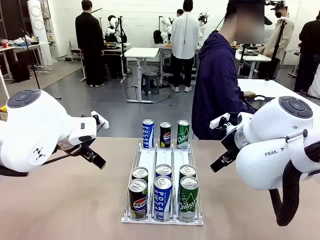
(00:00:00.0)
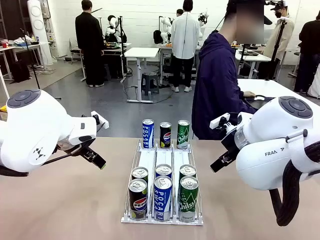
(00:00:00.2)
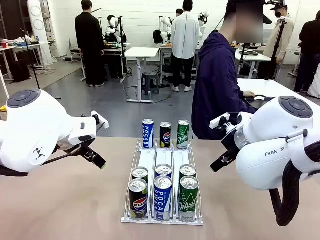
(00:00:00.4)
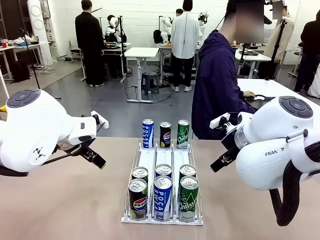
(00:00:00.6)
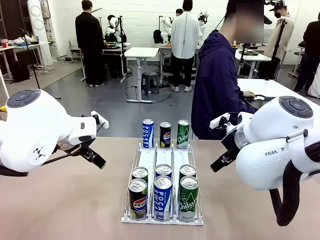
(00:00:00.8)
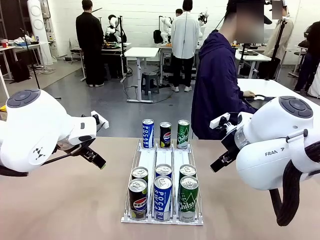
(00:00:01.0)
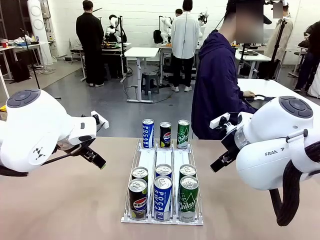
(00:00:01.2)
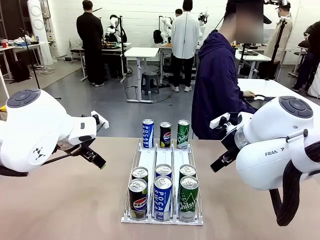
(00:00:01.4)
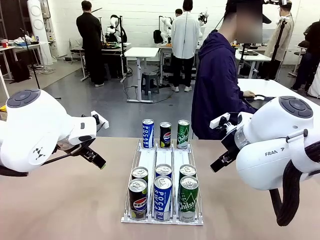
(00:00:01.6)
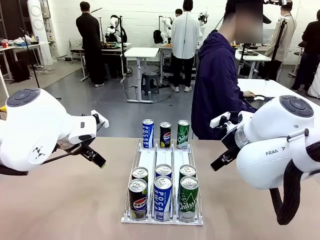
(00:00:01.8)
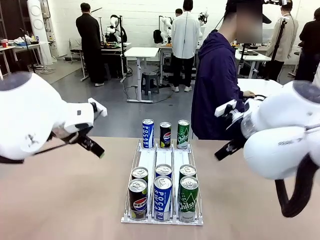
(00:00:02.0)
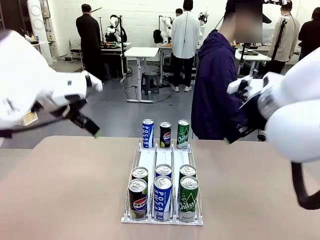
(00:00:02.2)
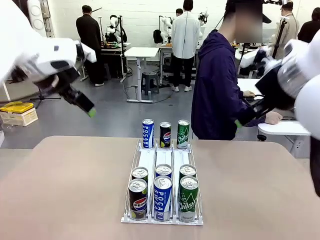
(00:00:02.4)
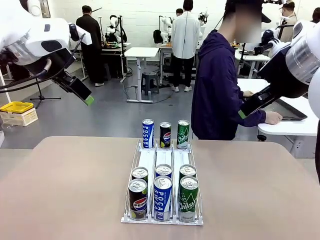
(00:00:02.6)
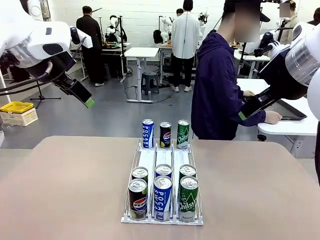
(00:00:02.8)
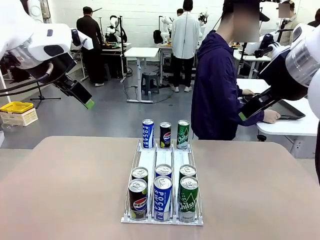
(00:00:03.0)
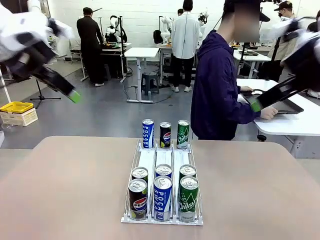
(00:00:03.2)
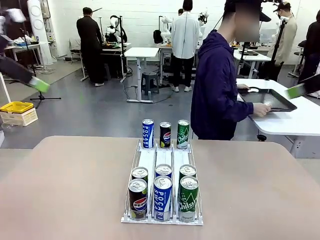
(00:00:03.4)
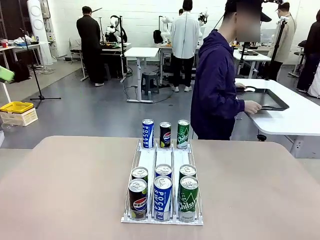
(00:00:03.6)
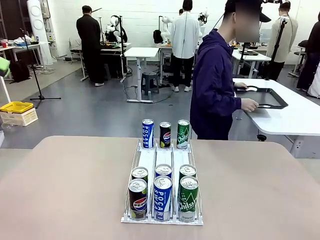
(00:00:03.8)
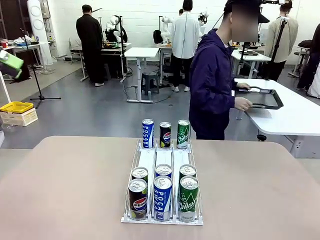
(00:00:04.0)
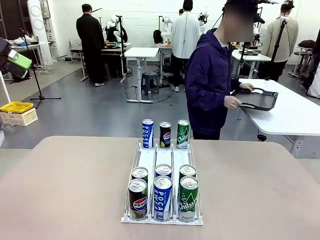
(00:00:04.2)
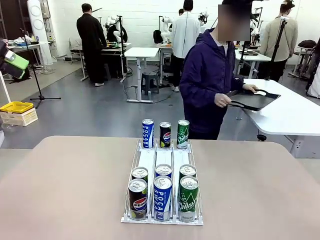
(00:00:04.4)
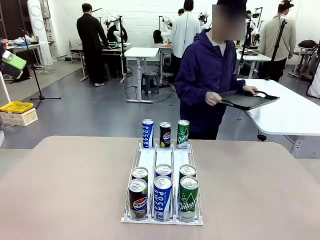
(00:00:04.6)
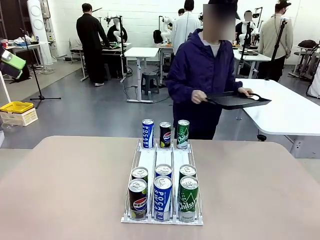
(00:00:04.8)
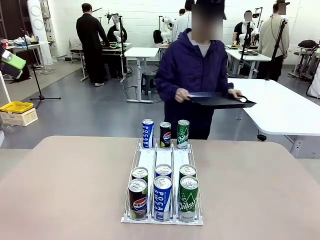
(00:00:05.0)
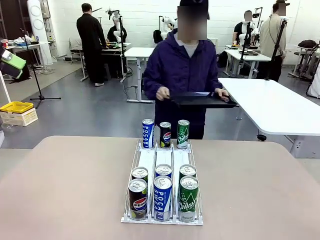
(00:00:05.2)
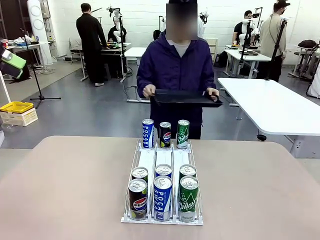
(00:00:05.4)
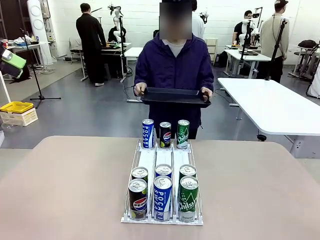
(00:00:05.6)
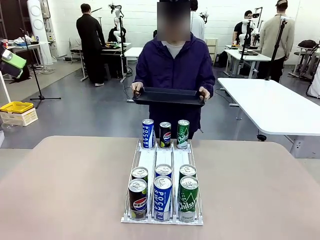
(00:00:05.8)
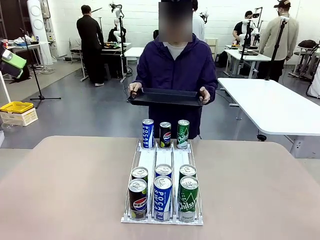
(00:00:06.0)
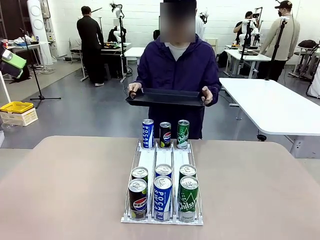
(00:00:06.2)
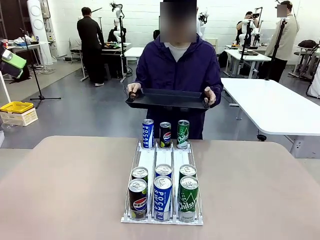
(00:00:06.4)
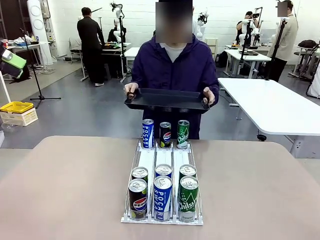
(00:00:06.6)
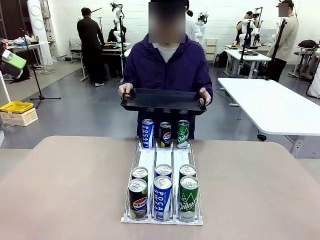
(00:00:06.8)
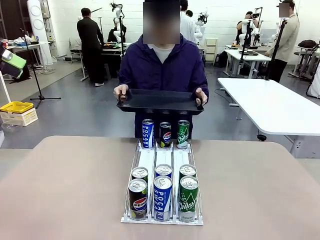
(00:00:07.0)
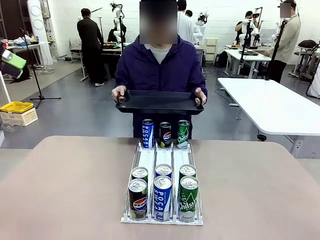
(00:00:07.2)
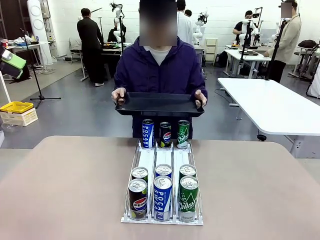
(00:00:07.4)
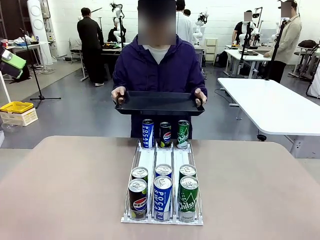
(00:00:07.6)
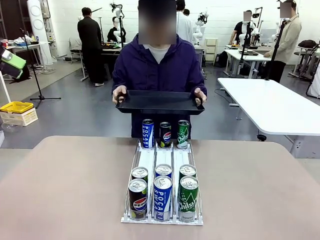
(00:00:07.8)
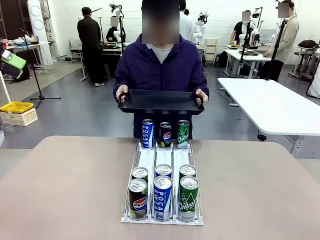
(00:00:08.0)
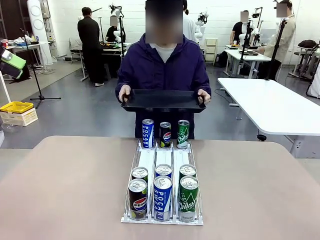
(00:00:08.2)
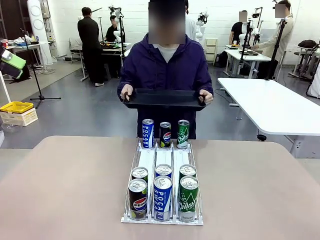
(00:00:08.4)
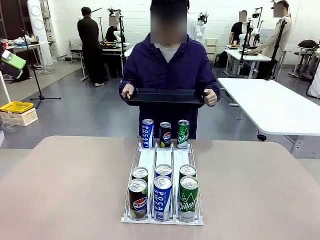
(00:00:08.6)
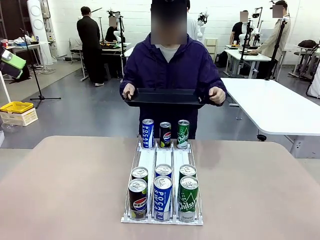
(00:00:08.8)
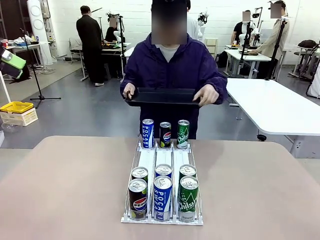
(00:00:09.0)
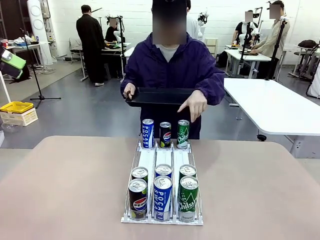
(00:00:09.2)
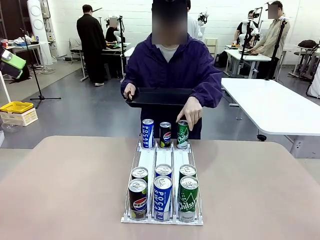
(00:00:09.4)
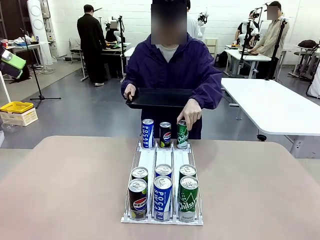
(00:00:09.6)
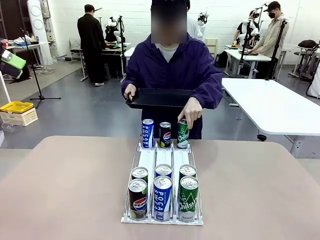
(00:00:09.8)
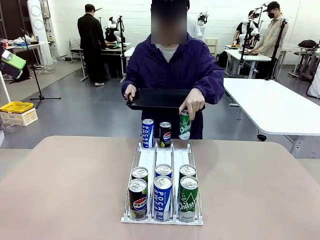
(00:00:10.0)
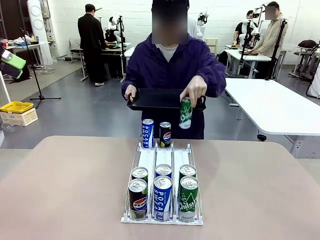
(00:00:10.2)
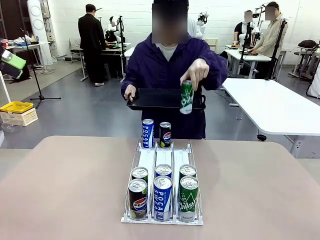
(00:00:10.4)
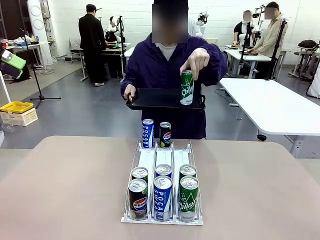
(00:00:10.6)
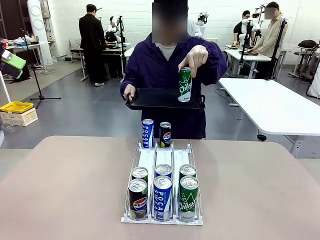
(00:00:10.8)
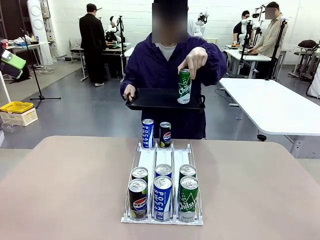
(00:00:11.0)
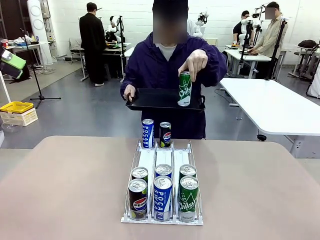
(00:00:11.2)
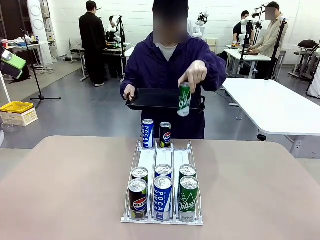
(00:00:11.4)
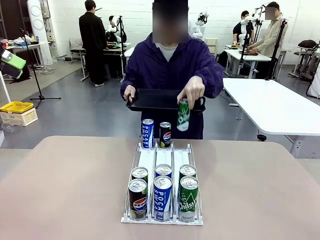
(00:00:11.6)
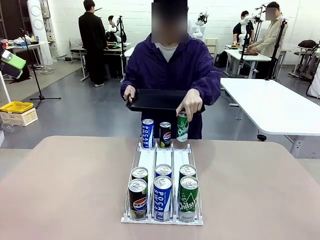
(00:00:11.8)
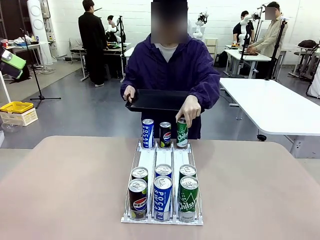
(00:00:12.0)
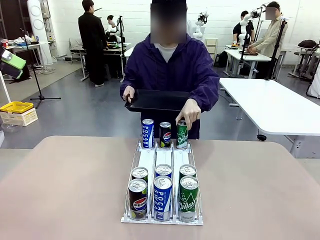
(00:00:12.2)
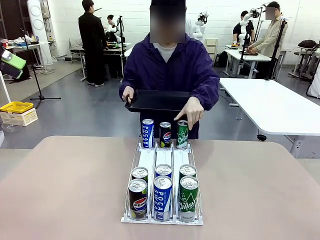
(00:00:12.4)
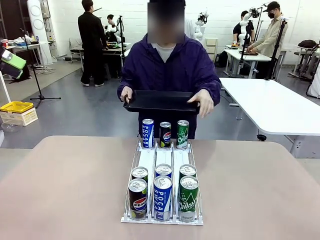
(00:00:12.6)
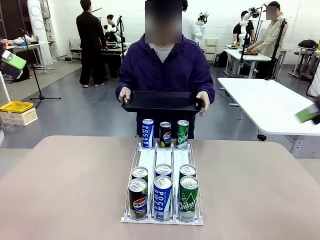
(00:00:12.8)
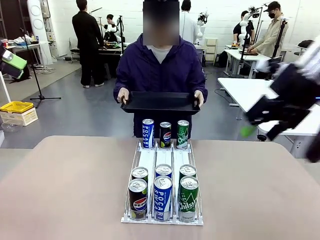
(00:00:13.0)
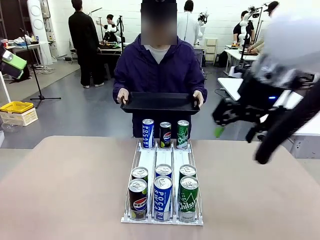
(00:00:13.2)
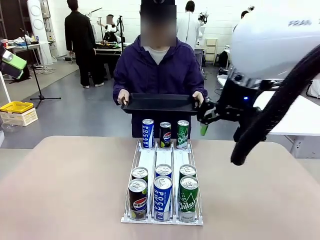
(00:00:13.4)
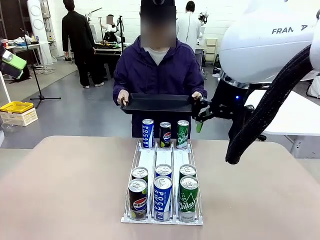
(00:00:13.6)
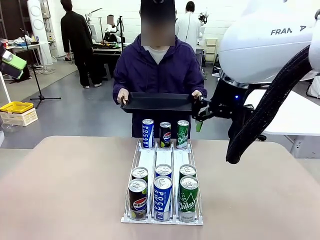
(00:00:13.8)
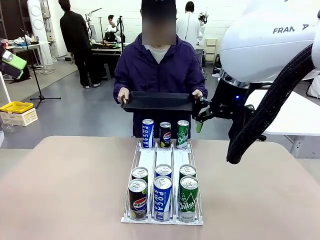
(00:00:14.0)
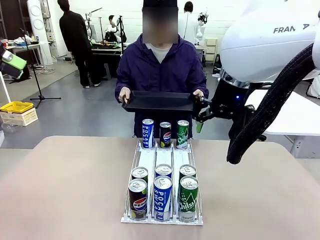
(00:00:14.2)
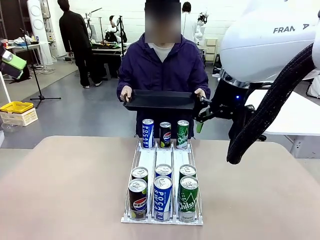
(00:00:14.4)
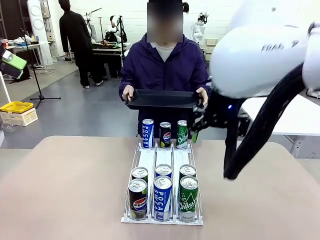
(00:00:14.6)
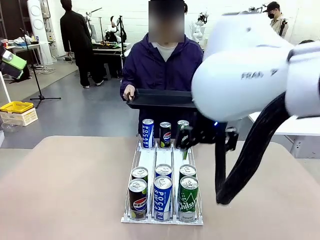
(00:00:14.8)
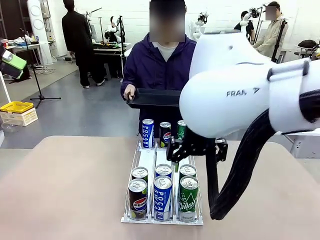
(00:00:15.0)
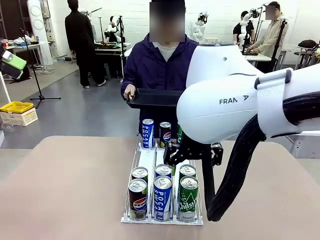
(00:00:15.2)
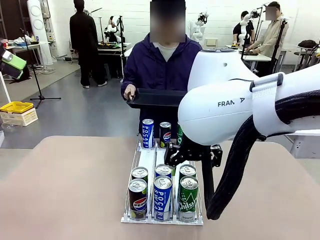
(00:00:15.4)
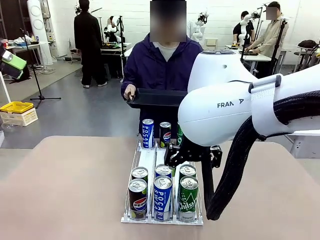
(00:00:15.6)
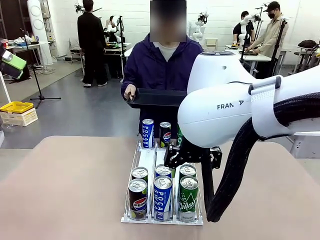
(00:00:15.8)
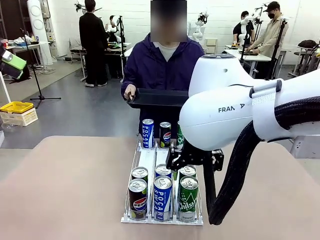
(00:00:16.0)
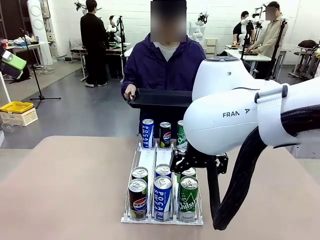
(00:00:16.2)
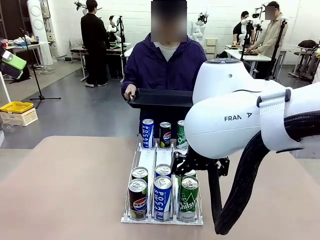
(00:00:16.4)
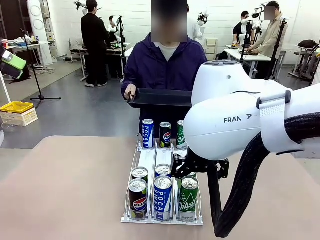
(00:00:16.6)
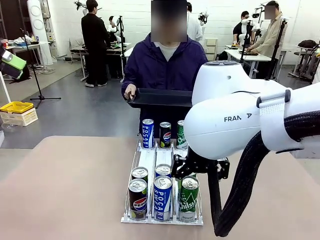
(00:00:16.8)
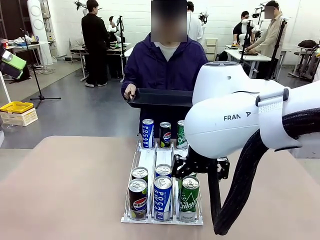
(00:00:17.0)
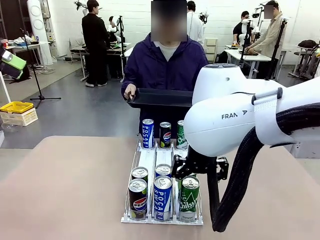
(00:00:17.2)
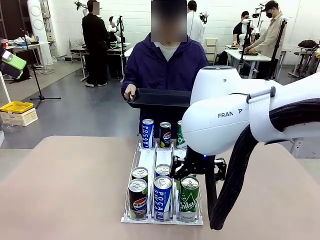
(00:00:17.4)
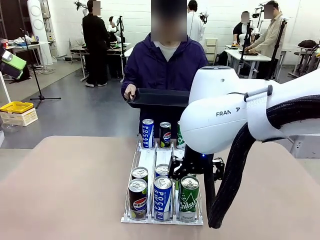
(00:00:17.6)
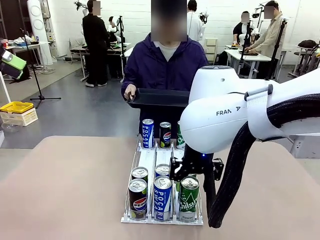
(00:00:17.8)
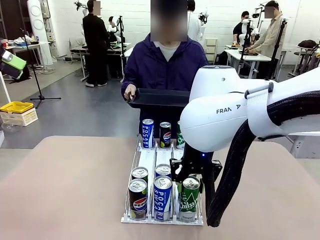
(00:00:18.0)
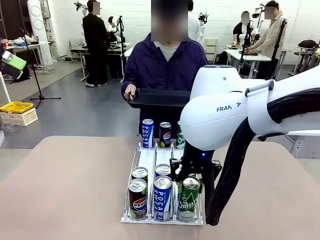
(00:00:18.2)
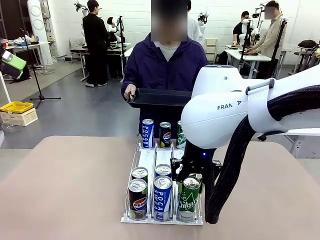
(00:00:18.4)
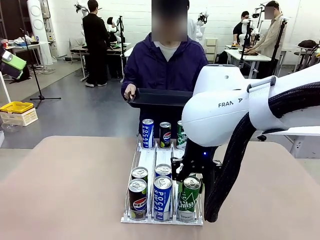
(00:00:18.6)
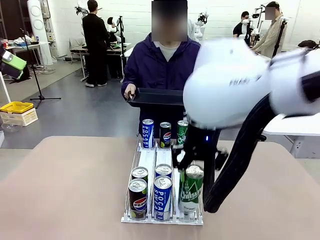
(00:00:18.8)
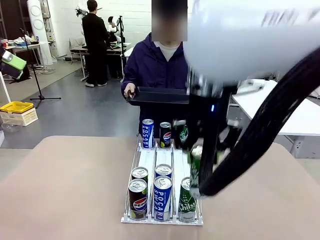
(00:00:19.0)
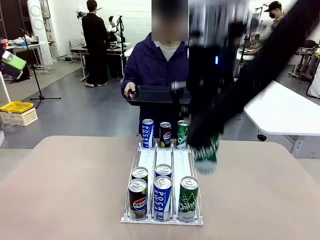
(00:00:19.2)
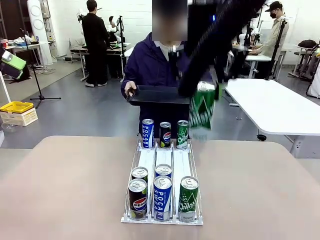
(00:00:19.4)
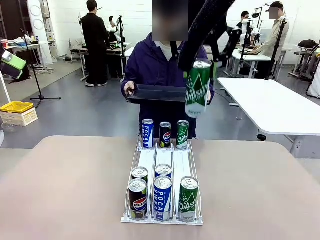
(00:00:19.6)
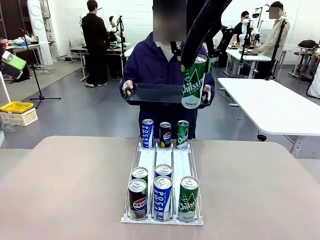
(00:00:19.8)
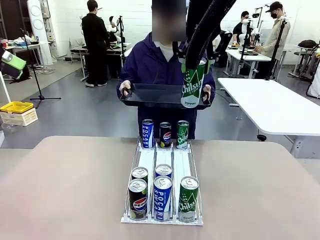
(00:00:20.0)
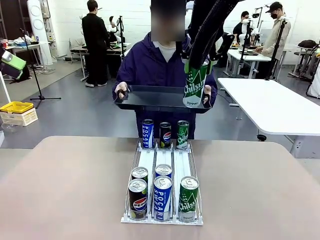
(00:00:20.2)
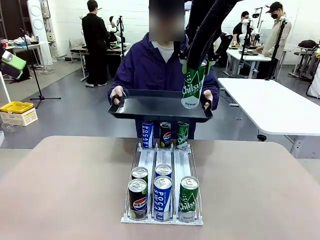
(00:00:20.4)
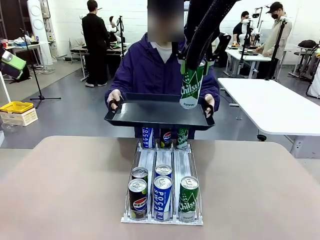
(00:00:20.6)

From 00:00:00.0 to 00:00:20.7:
Task: Retrieve and hand over the desired beverage to the person.
Robot: Pick up a can of the same type that the person held from the Automatic Can Dispenser.
Person: Hold the tray and position yourself in front of the robot table. Pick up one can from the bottom area of the table and puts it back in its original place. Push the tray toward the robot.
